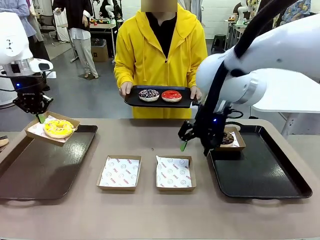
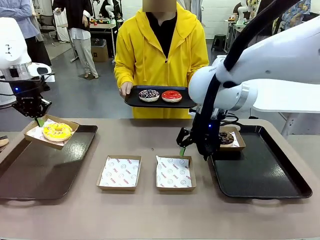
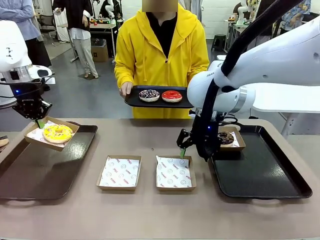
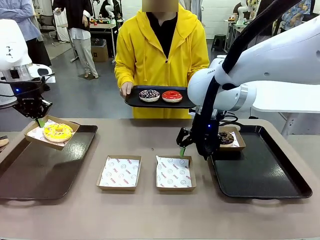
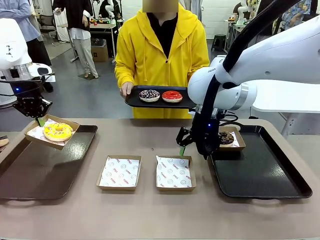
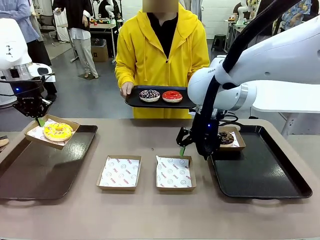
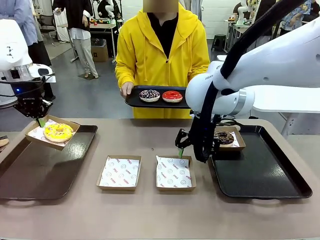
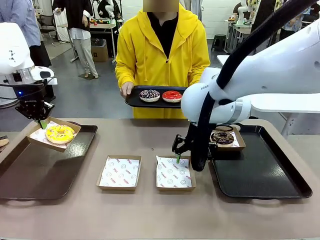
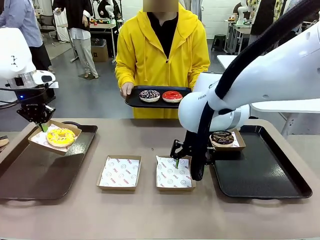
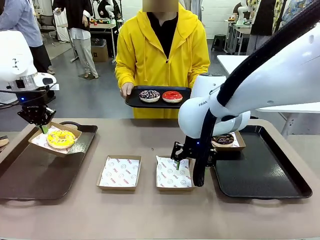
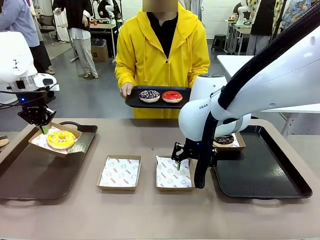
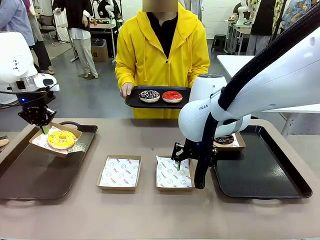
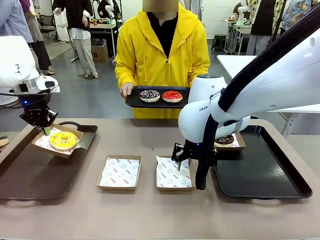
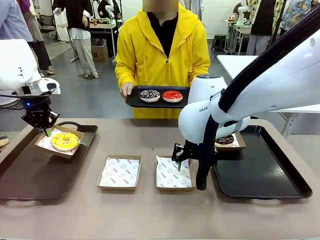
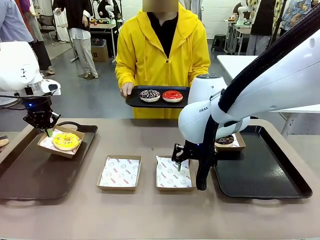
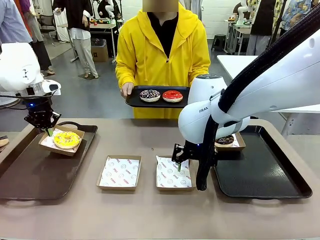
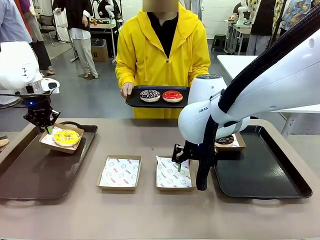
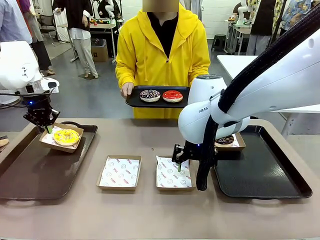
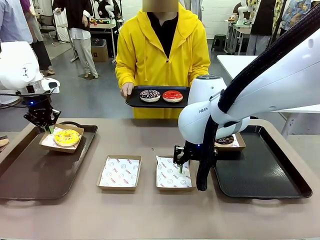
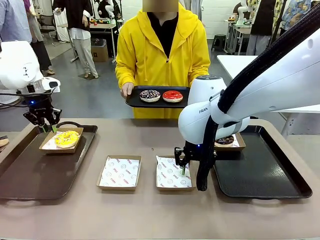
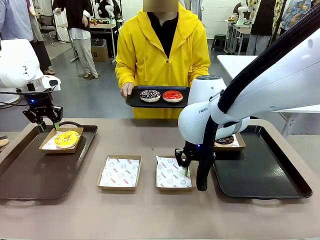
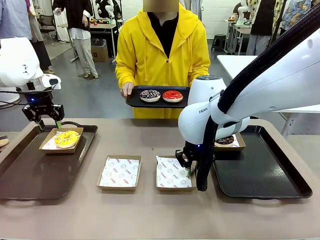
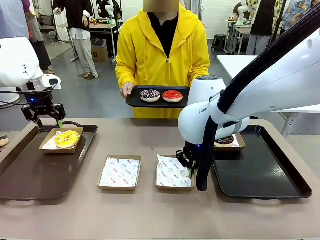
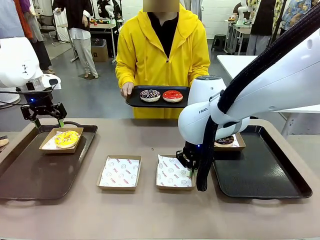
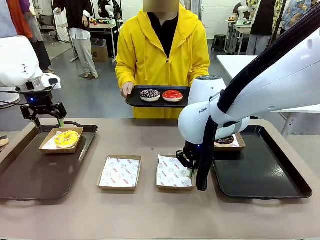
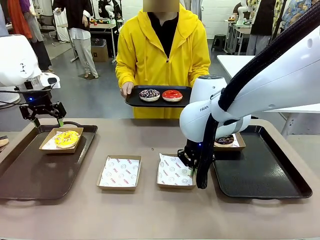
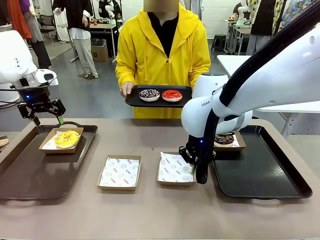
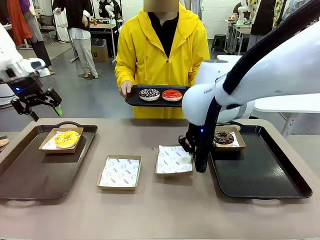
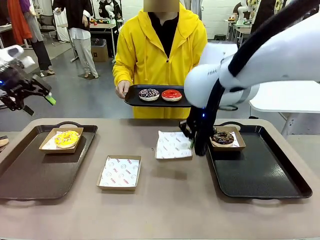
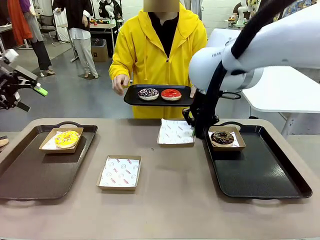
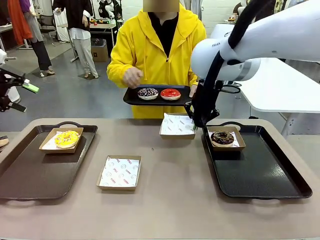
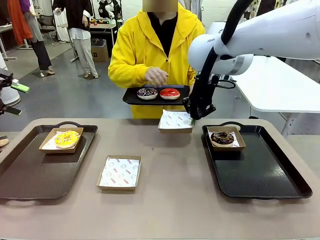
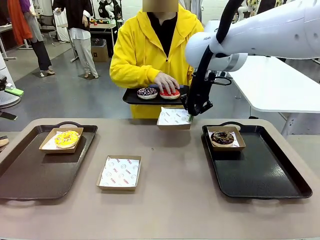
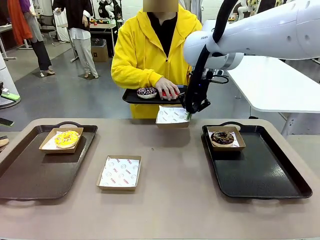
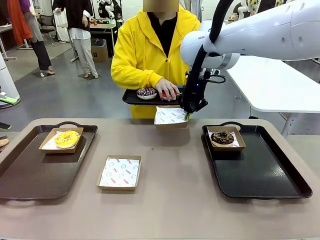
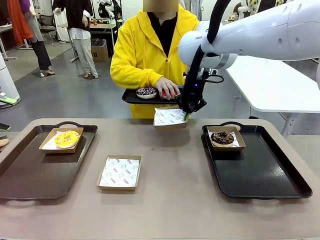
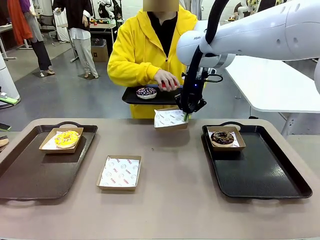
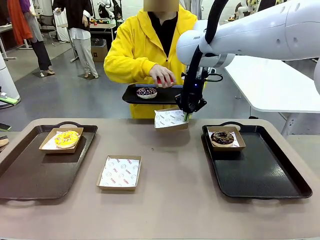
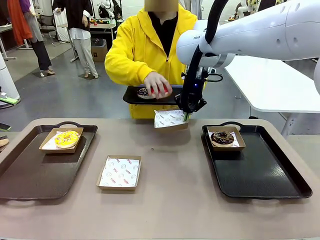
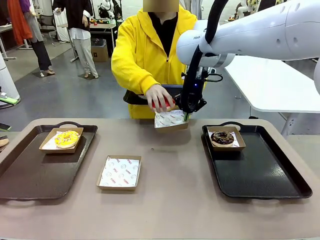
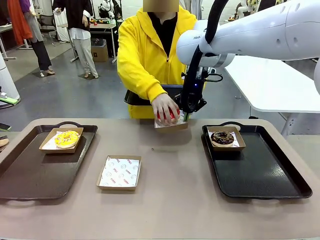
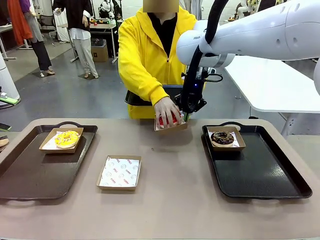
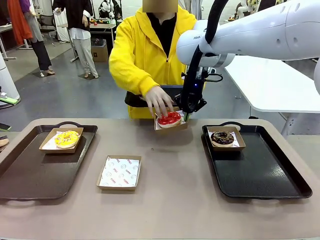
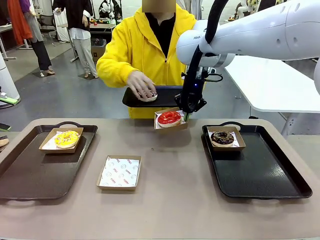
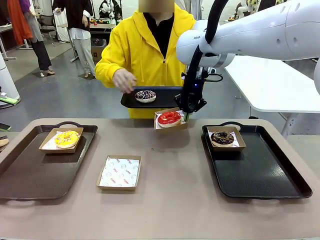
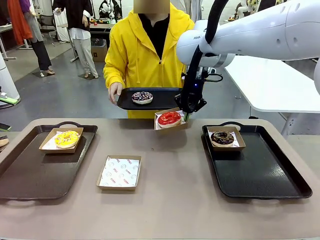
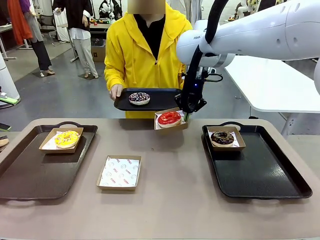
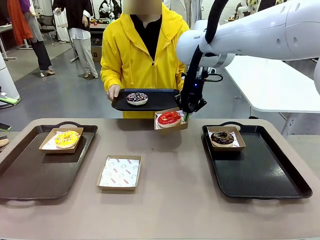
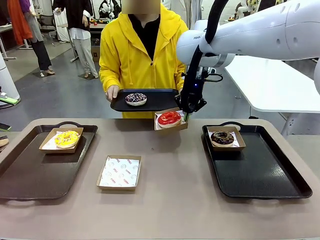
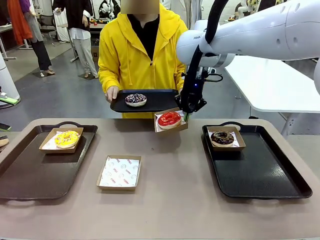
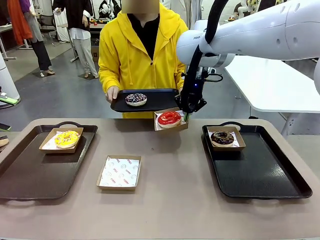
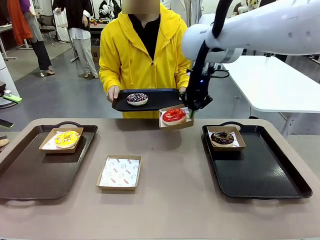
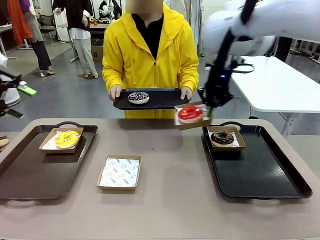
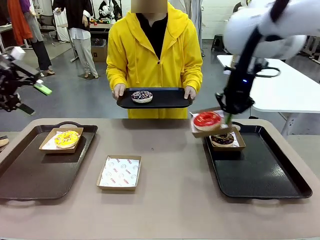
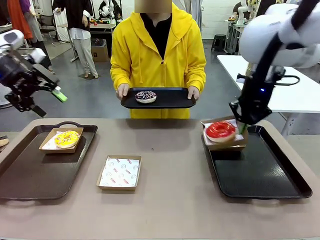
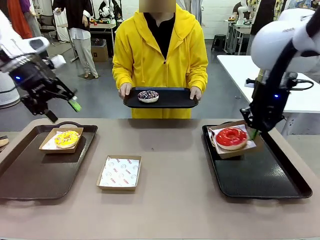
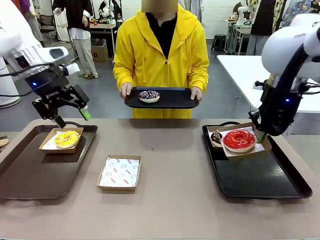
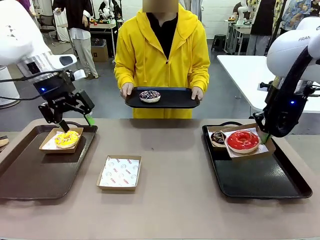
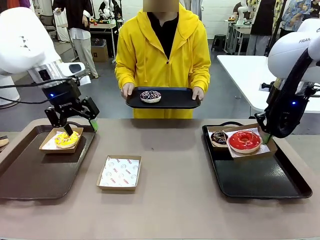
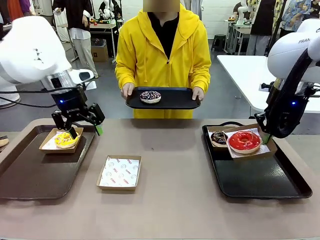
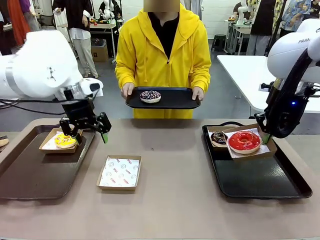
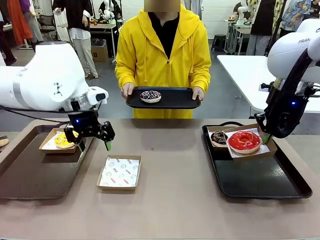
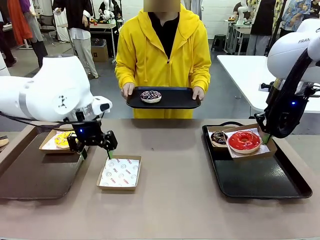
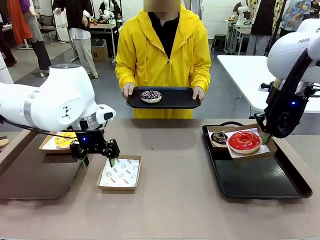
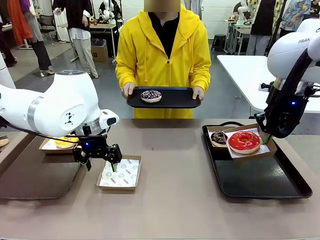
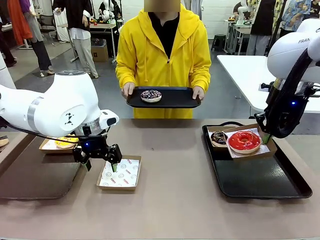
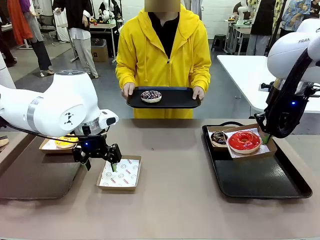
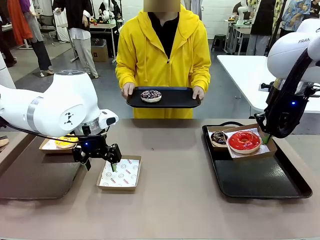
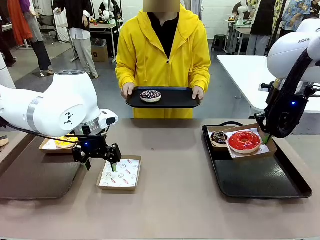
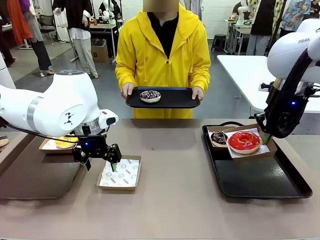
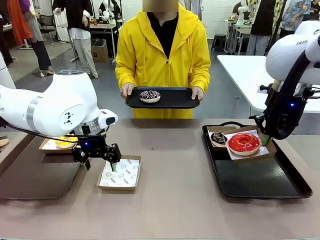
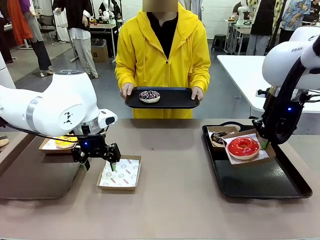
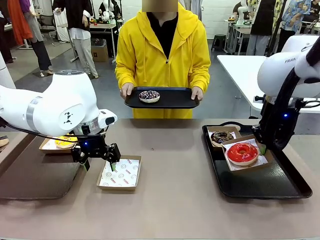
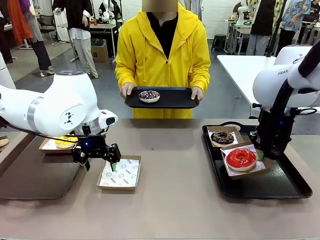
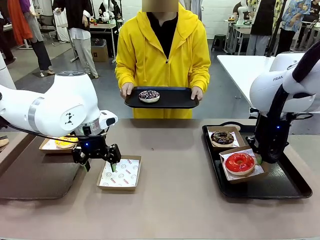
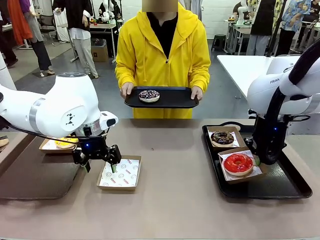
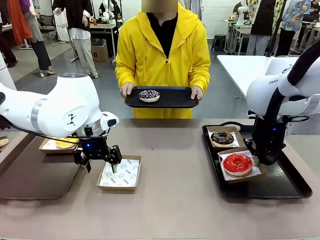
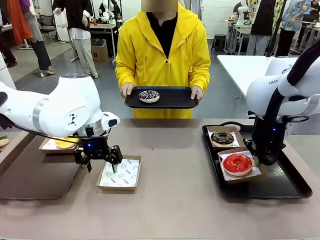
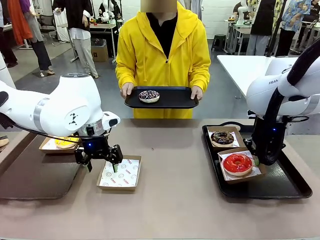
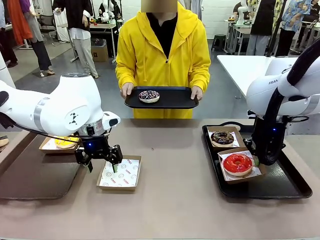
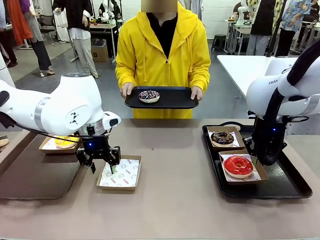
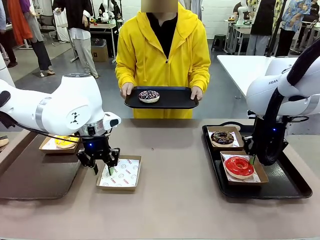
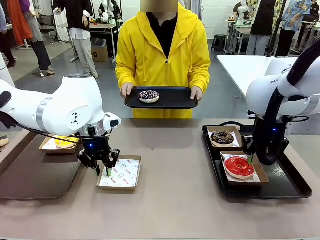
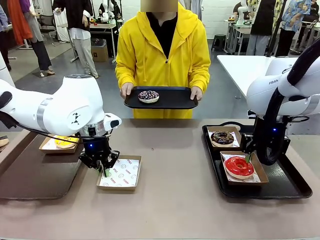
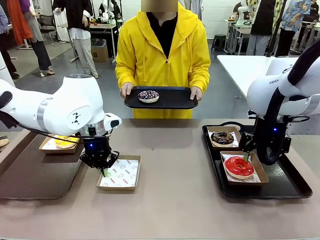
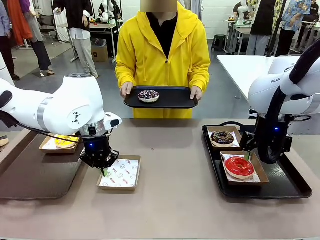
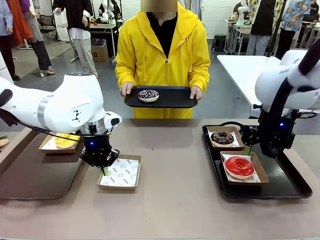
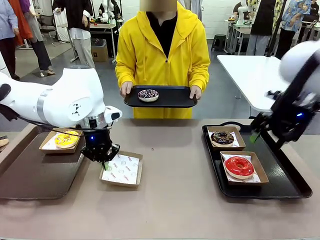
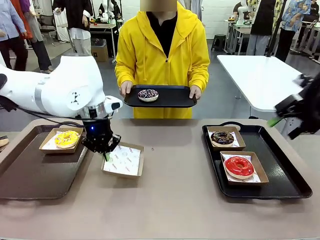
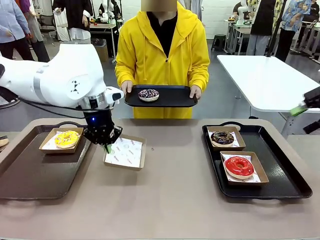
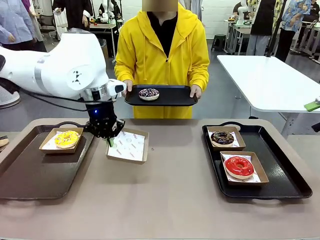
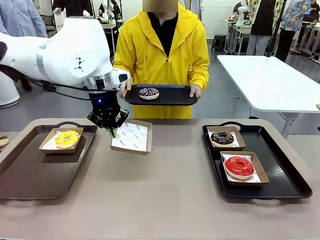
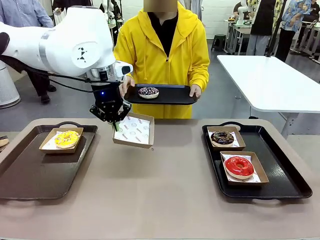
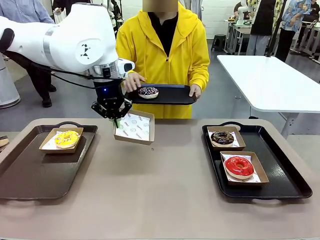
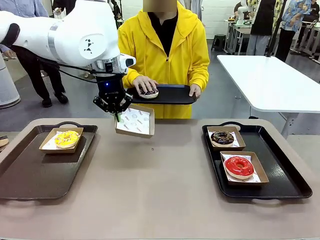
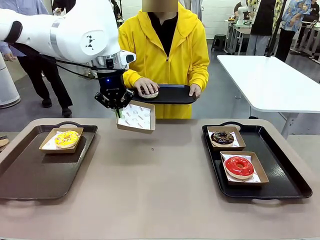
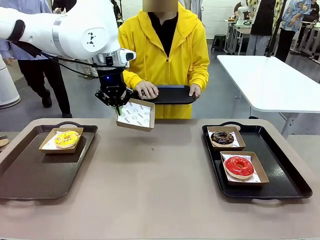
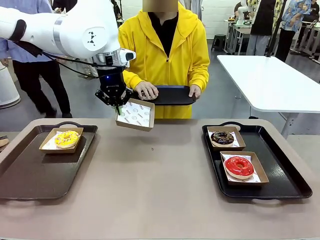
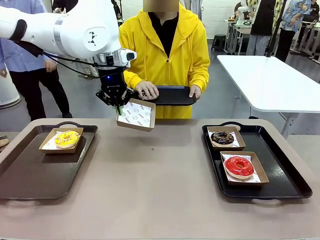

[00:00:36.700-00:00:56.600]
Task: Individually package the donuts and arrange them on the tray.
Robot: Place the picked Paper togo box on the Handle tray while simultaneously picking up another Paper togo box from the table with the other hand.
